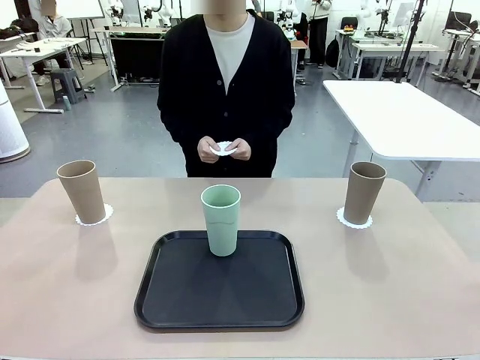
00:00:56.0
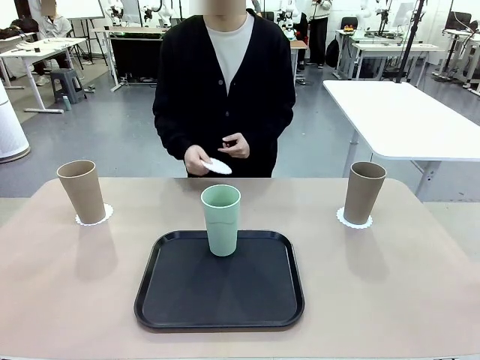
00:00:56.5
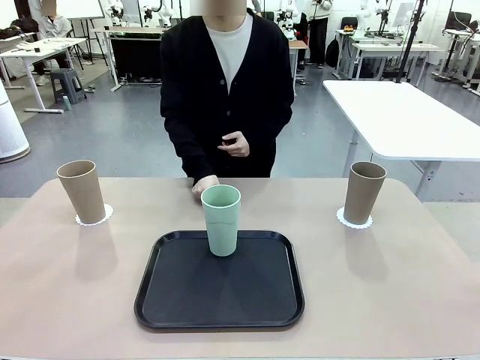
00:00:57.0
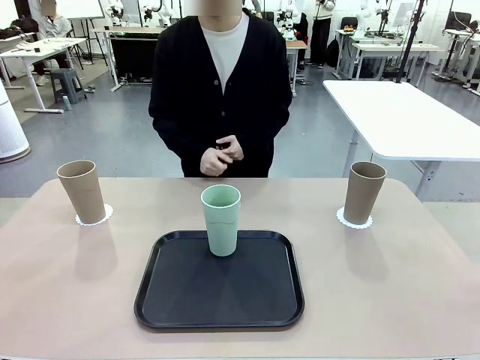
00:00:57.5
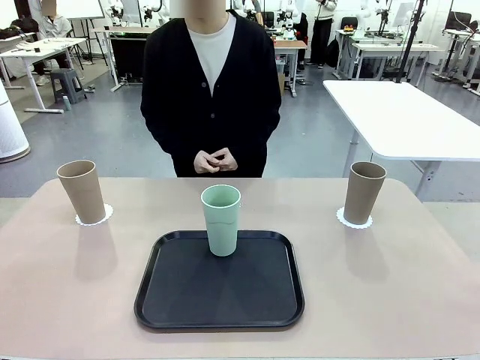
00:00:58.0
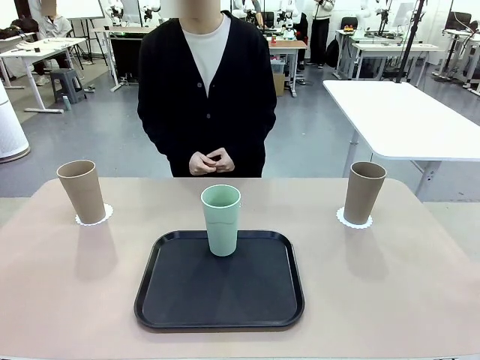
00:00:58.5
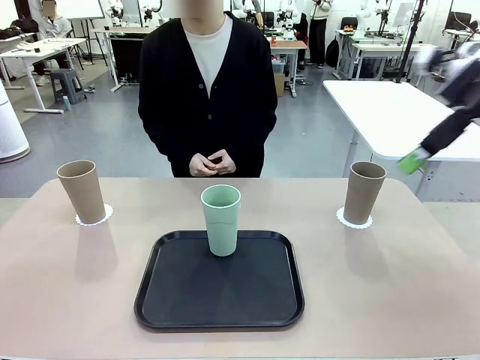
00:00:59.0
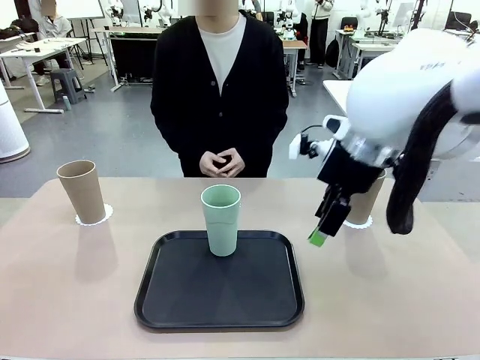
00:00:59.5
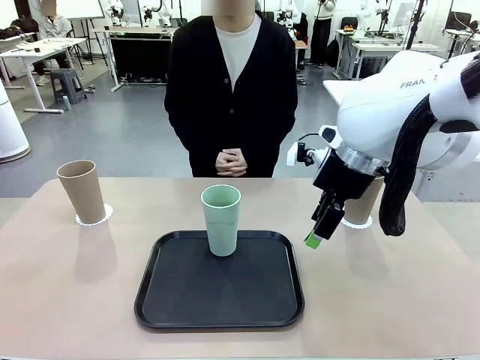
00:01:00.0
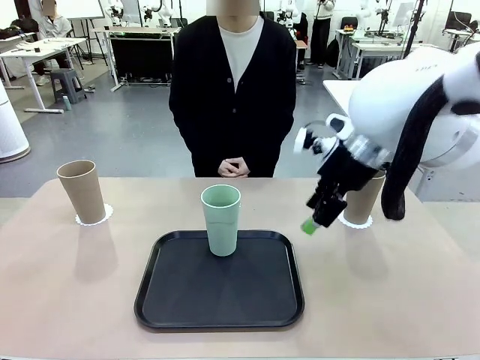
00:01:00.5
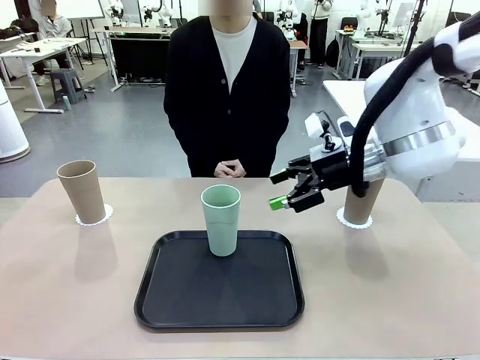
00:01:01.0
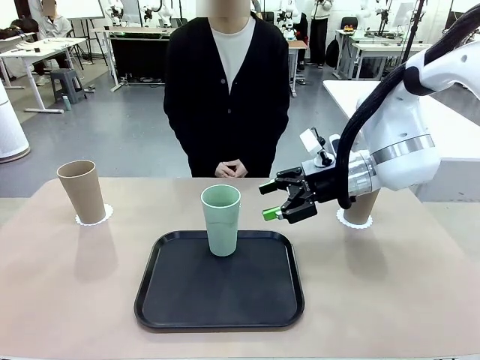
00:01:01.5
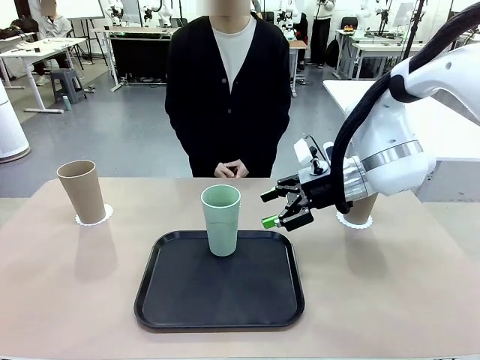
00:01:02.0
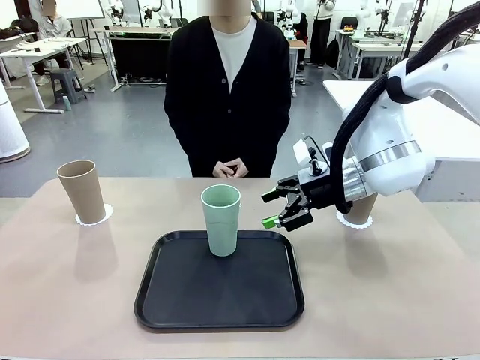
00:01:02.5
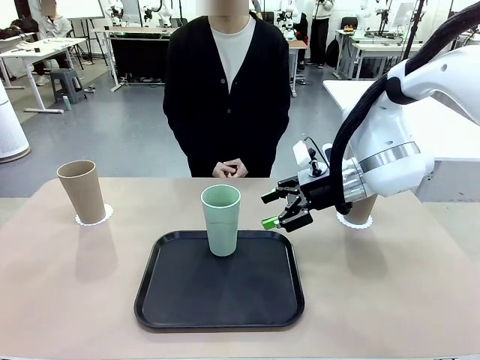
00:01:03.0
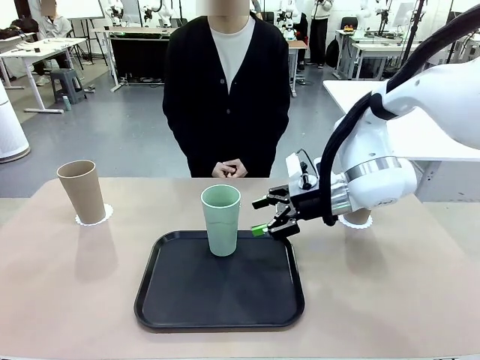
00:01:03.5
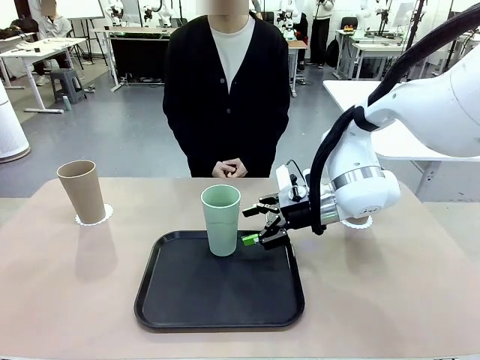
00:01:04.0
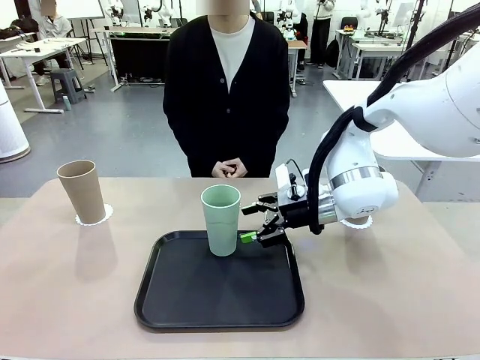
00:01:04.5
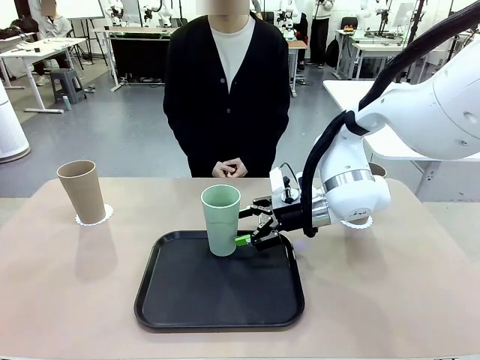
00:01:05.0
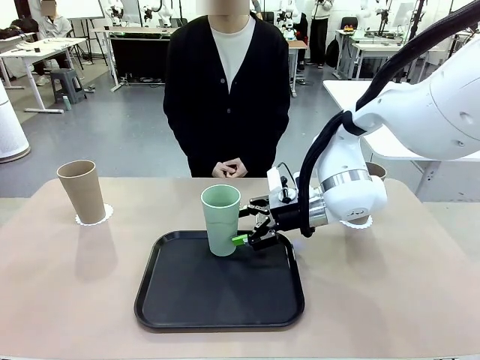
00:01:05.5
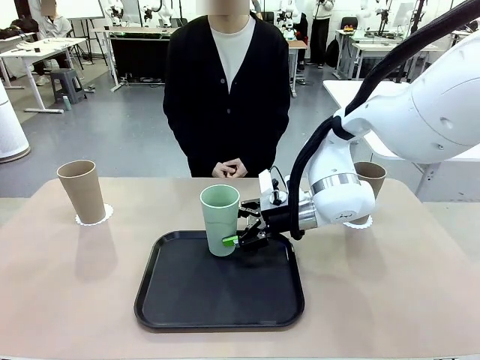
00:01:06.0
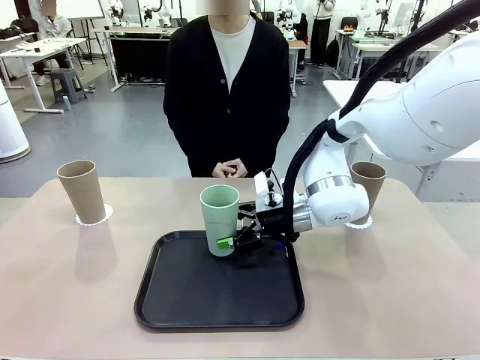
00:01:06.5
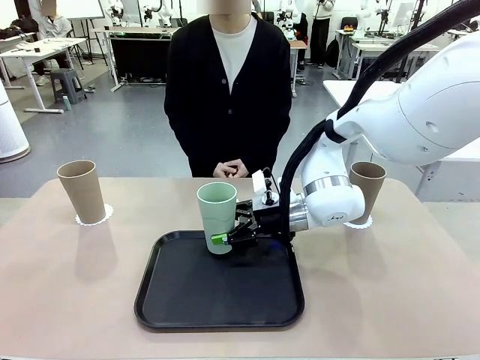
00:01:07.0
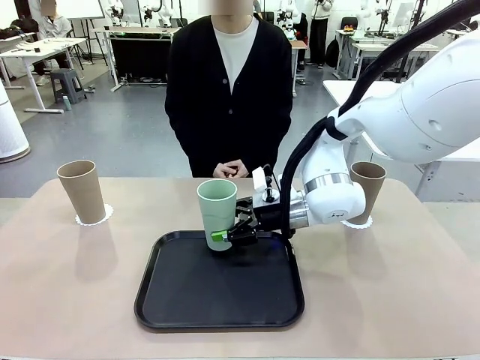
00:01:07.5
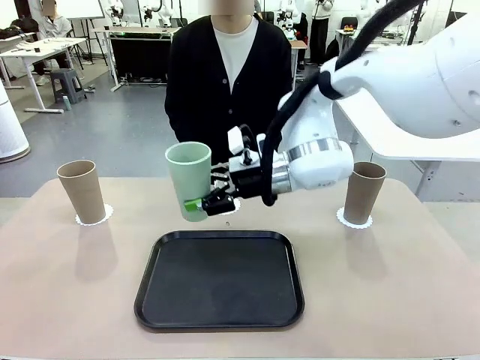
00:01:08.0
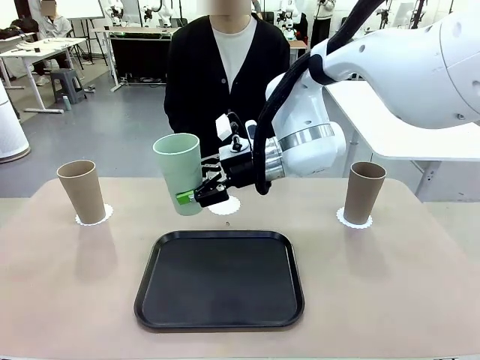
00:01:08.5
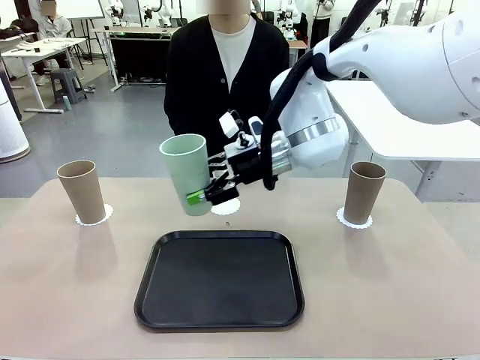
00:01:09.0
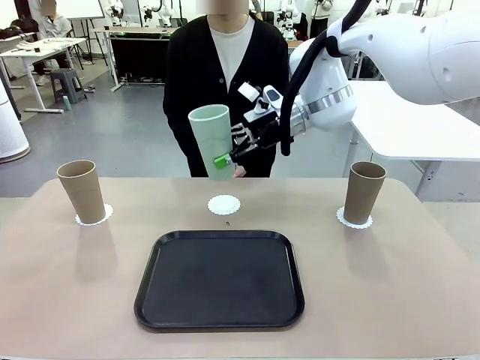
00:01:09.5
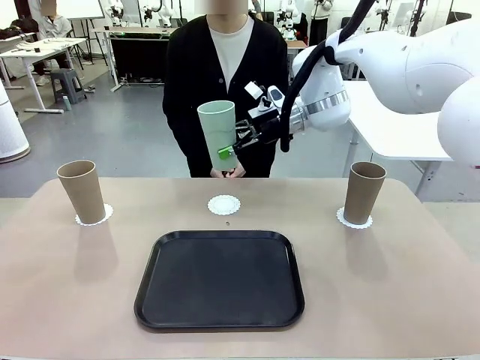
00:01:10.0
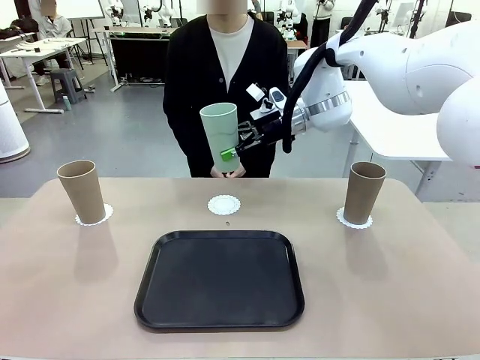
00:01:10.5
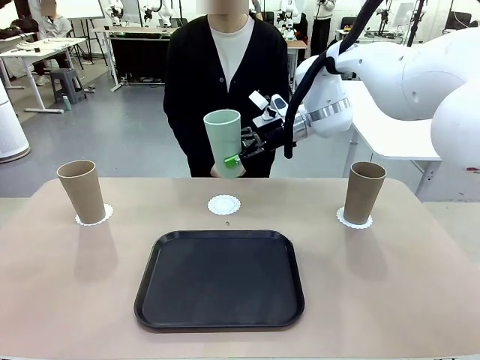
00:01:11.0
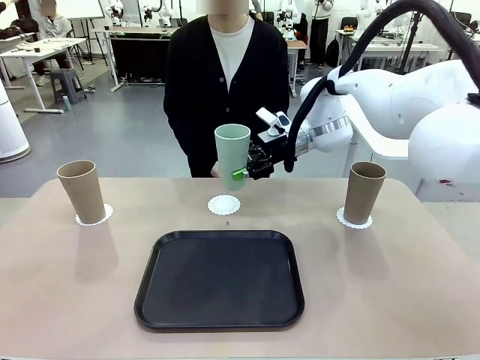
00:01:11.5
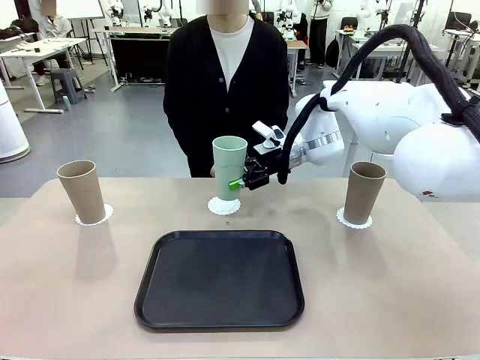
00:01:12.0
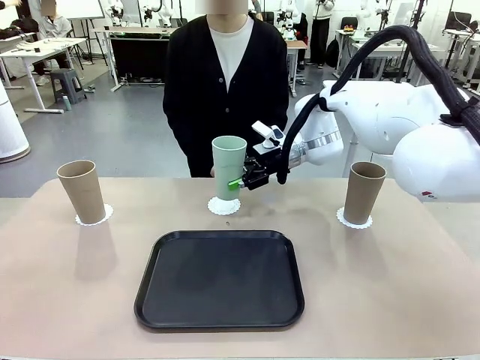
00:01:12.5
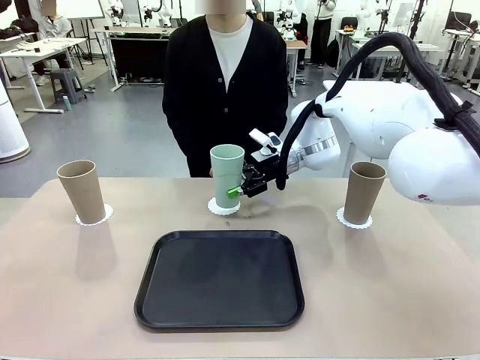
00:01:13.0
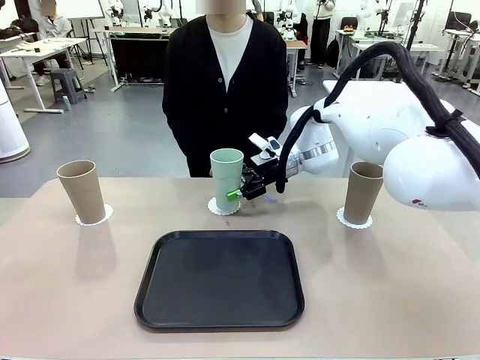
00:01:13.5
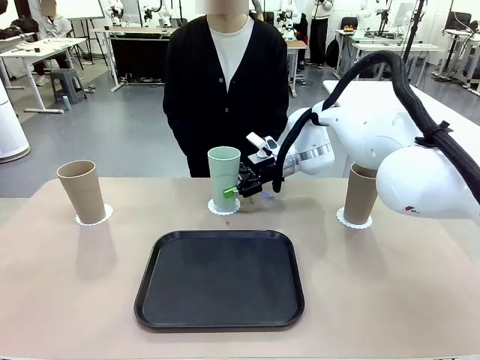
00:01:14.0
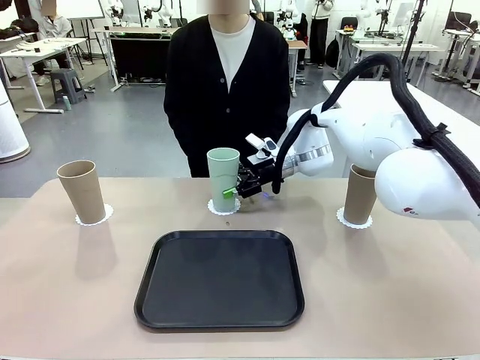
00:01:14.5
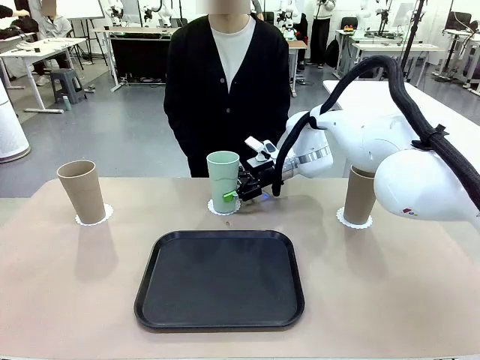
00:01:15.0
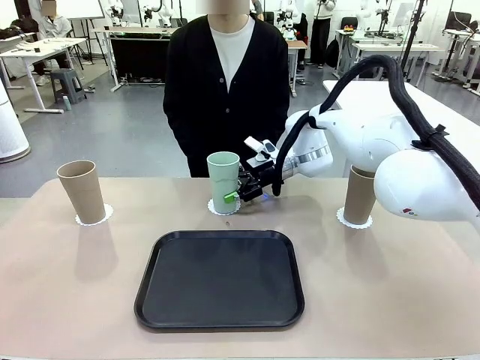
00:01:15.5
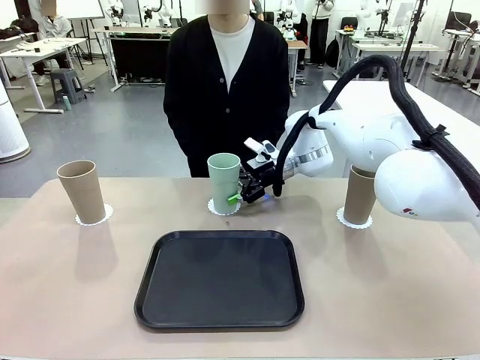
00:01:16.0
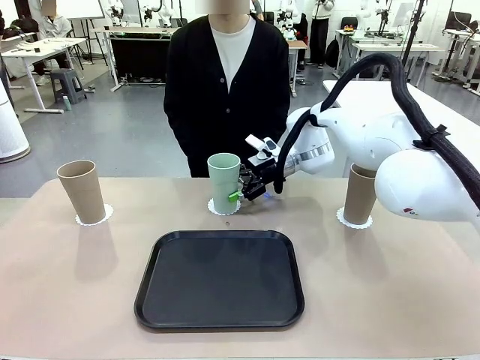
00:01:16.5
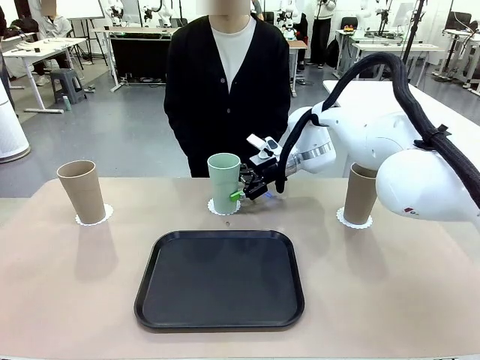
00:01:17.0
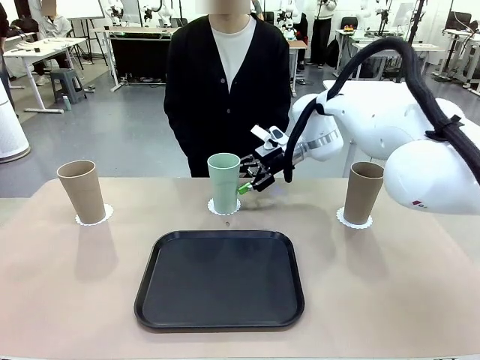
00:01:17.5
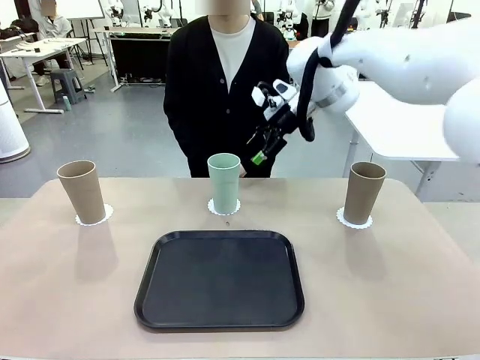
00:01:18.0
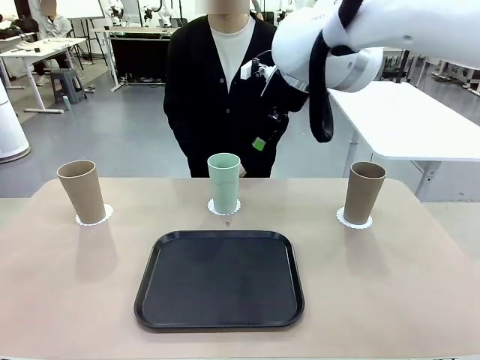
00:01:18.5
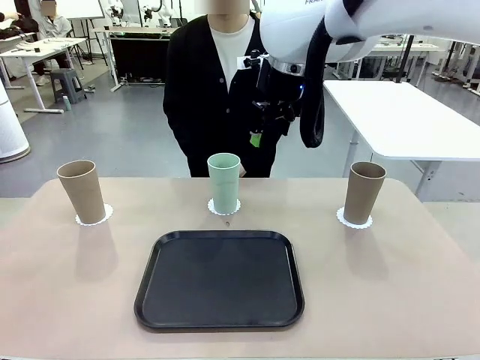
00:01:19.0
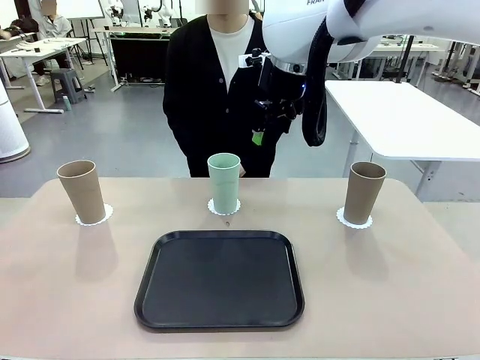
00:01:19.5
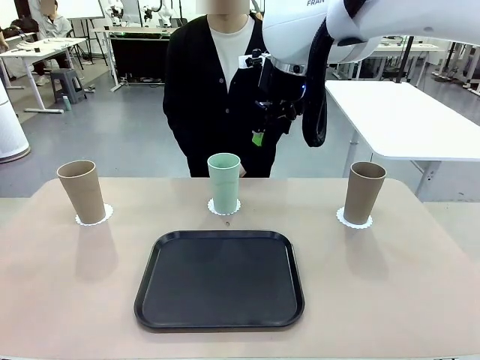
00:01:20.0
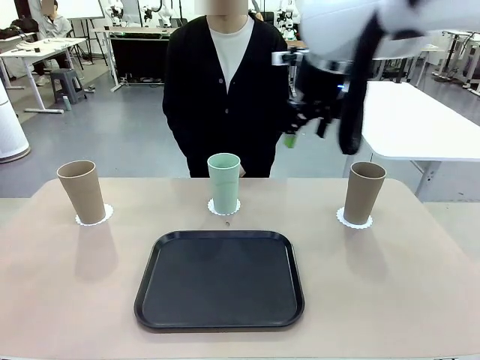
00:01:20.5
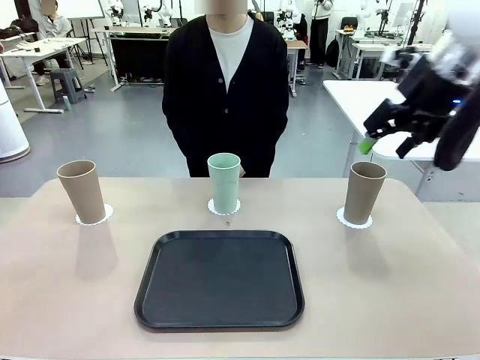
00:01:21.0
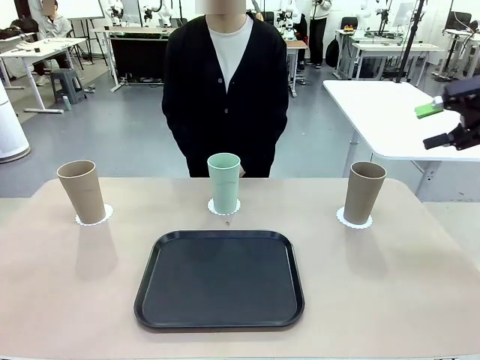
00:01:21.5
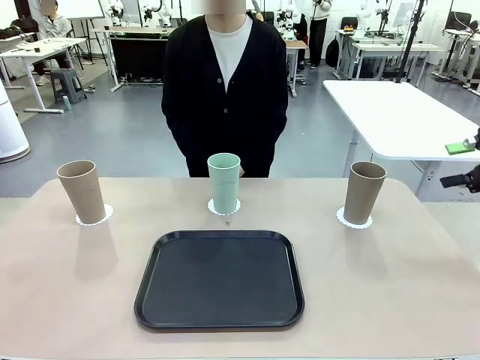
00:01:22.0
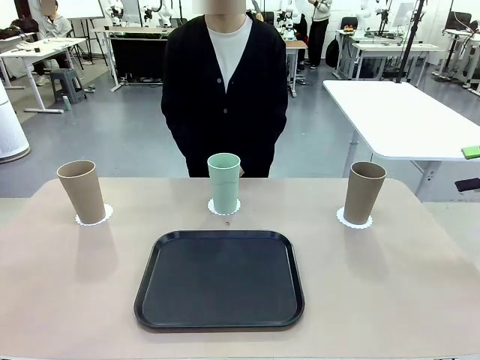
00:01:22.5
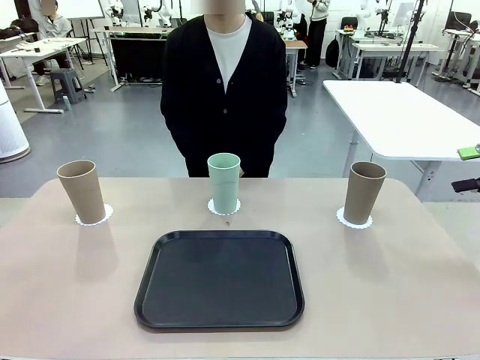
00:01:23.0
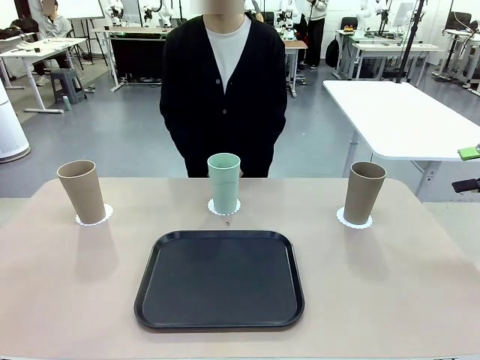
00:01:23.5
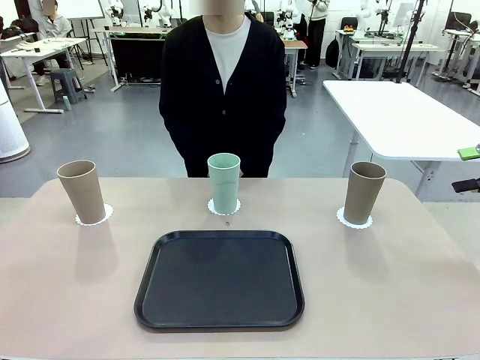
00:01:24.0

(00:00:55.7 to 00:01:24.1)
Task: Place coasters on the table and set cups on them.
Robot: Take one Reusable plastic cup from the Flat Tray and place it on a coaster set by the human.
Person: Place one coaster in the only remaining area.
